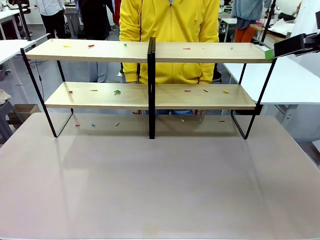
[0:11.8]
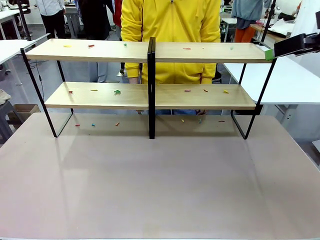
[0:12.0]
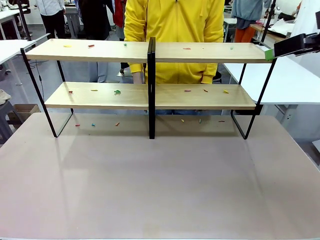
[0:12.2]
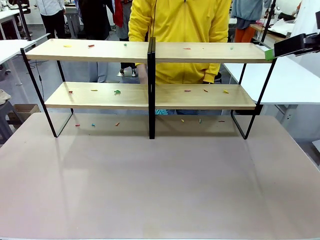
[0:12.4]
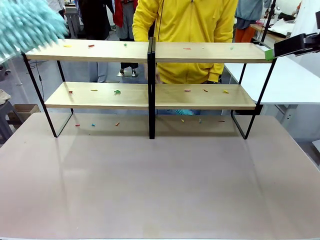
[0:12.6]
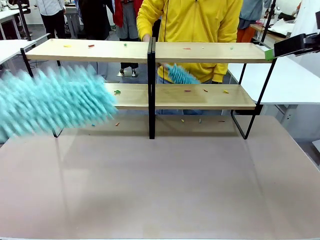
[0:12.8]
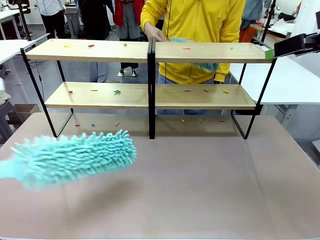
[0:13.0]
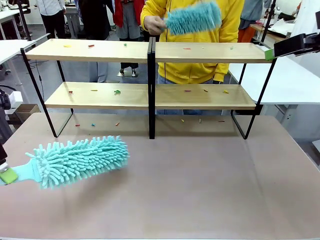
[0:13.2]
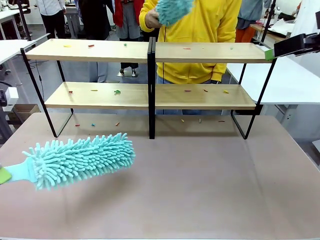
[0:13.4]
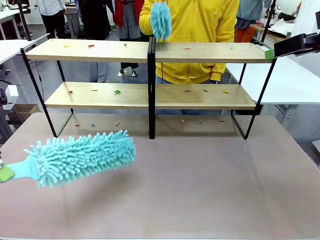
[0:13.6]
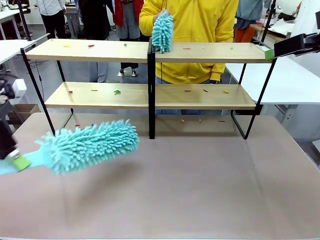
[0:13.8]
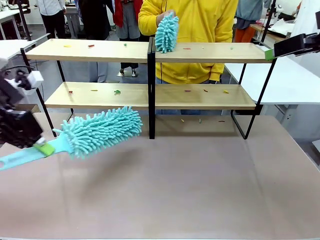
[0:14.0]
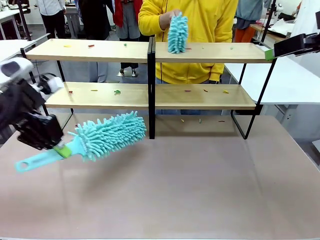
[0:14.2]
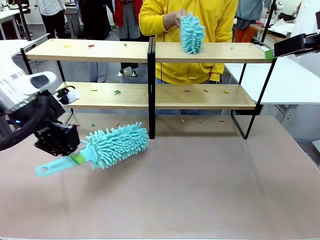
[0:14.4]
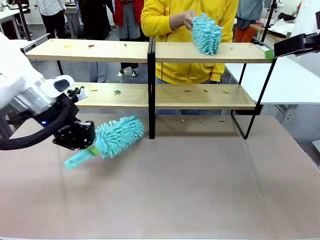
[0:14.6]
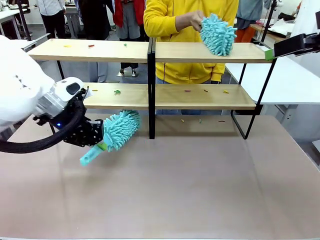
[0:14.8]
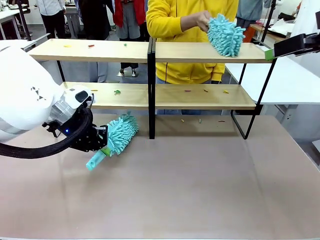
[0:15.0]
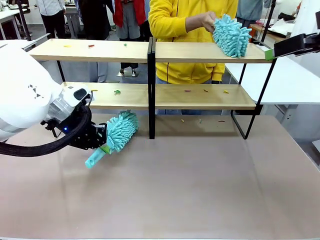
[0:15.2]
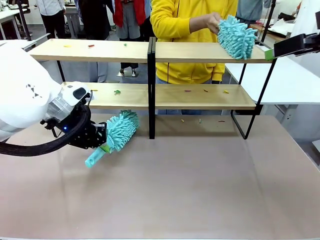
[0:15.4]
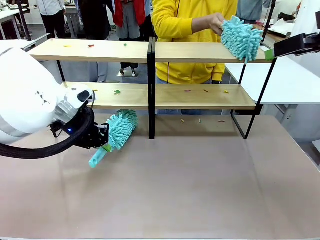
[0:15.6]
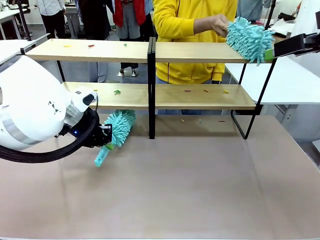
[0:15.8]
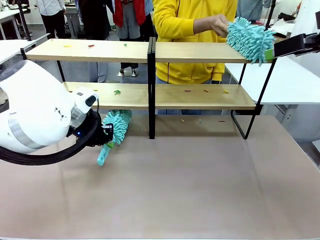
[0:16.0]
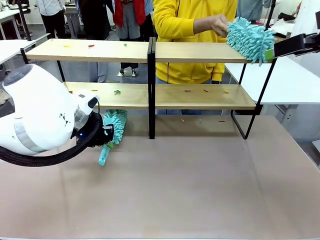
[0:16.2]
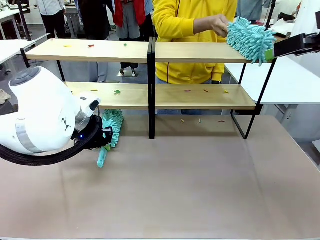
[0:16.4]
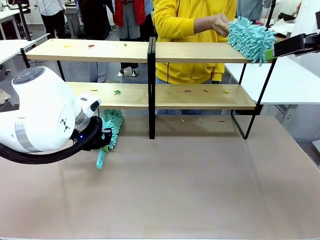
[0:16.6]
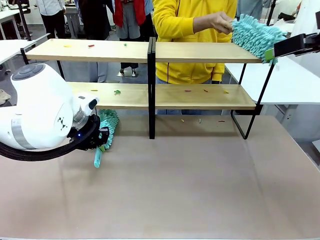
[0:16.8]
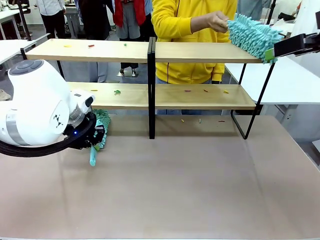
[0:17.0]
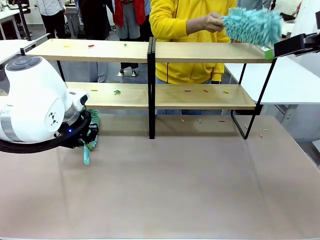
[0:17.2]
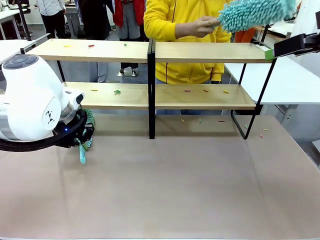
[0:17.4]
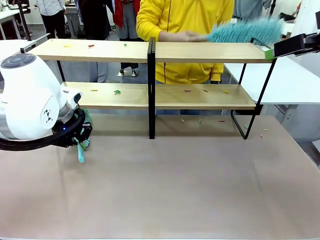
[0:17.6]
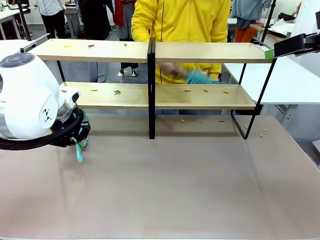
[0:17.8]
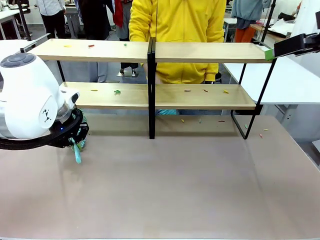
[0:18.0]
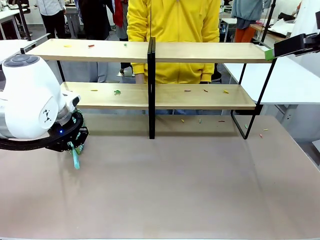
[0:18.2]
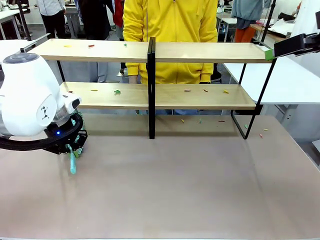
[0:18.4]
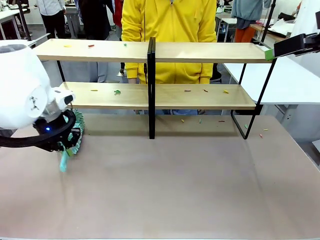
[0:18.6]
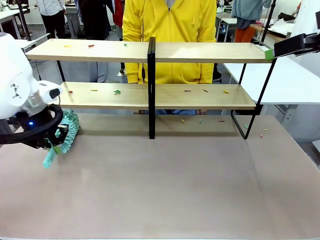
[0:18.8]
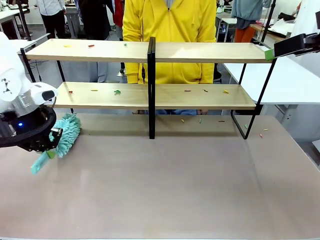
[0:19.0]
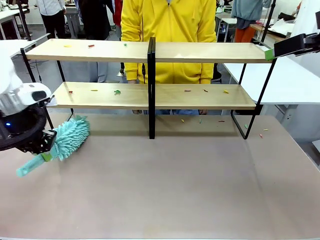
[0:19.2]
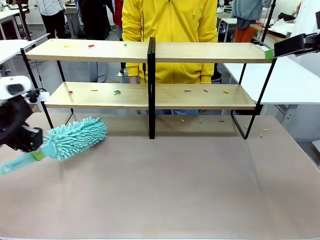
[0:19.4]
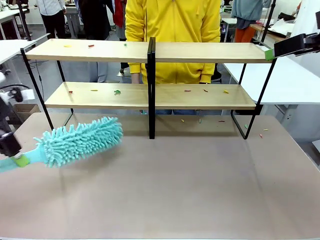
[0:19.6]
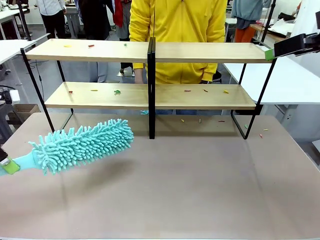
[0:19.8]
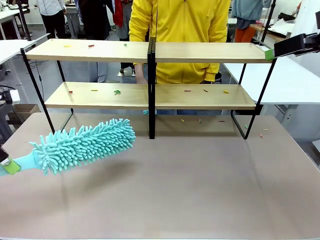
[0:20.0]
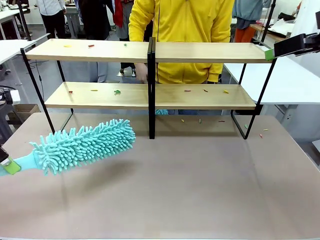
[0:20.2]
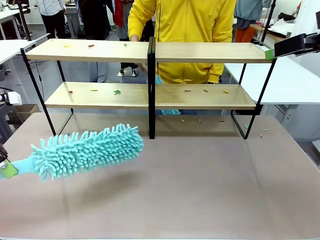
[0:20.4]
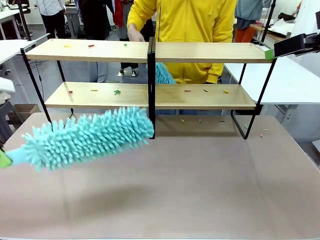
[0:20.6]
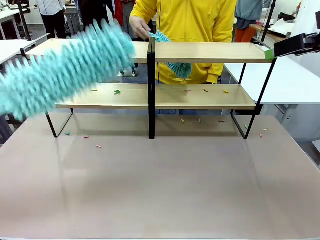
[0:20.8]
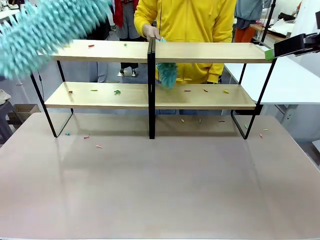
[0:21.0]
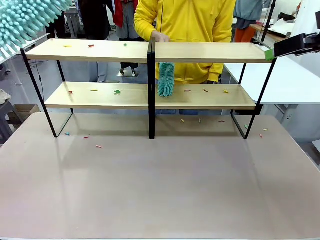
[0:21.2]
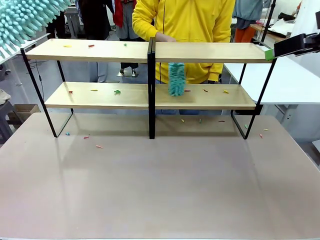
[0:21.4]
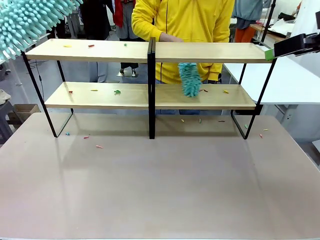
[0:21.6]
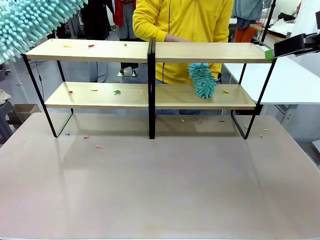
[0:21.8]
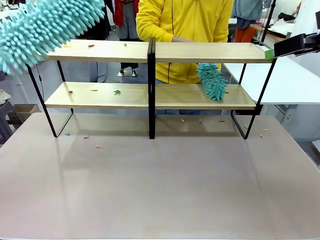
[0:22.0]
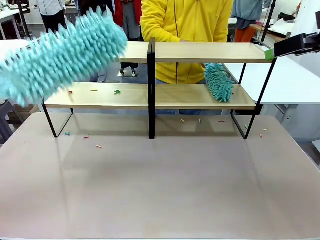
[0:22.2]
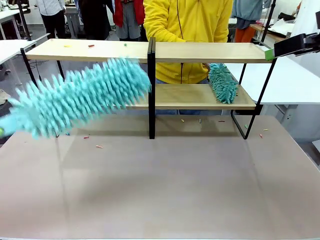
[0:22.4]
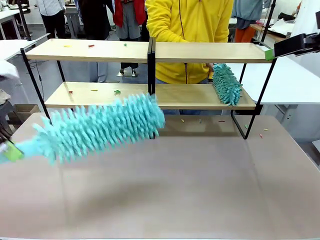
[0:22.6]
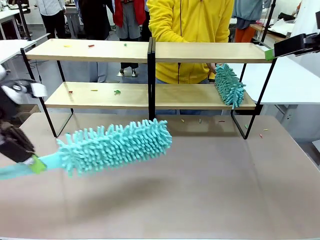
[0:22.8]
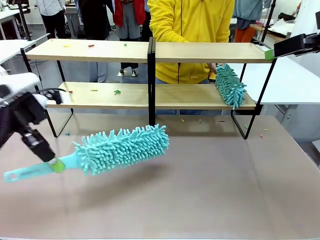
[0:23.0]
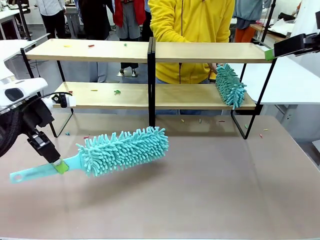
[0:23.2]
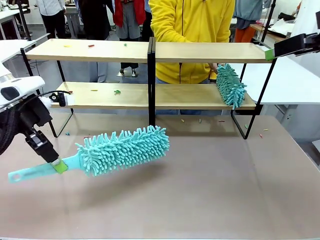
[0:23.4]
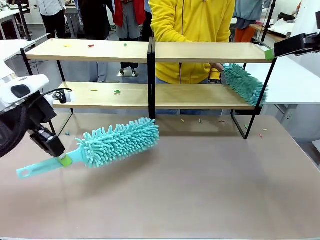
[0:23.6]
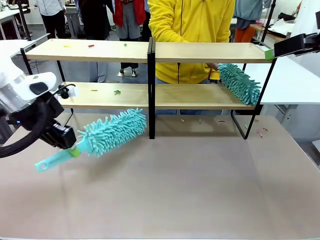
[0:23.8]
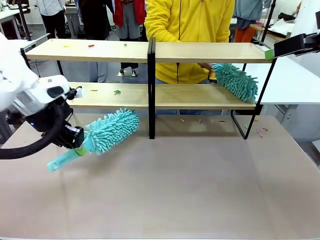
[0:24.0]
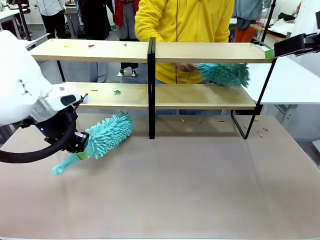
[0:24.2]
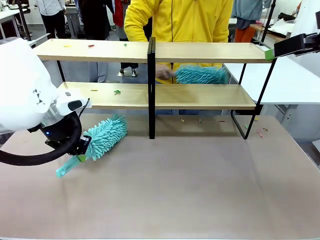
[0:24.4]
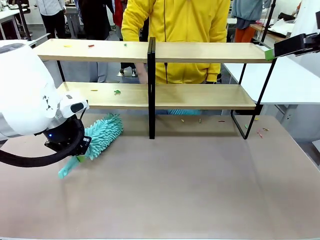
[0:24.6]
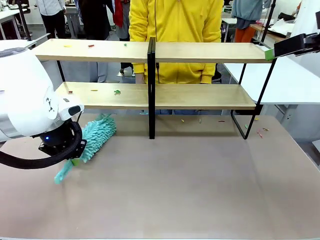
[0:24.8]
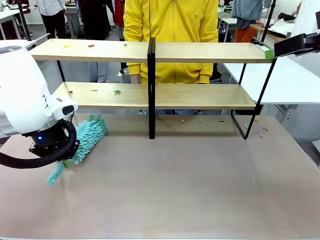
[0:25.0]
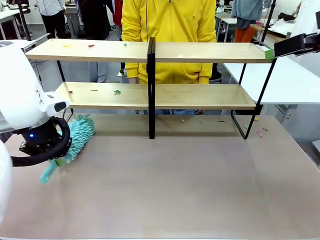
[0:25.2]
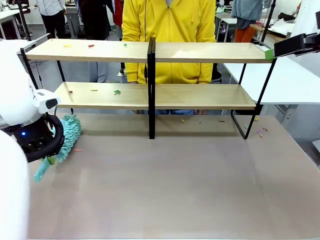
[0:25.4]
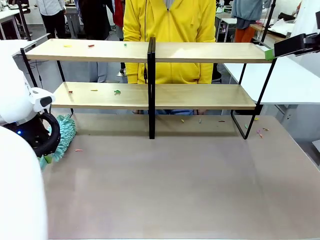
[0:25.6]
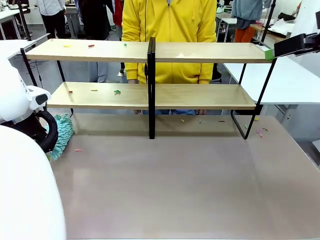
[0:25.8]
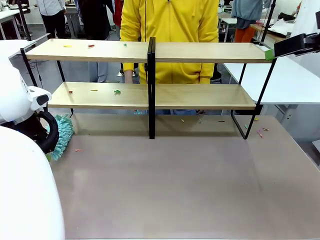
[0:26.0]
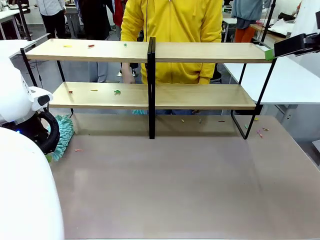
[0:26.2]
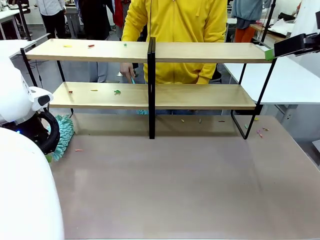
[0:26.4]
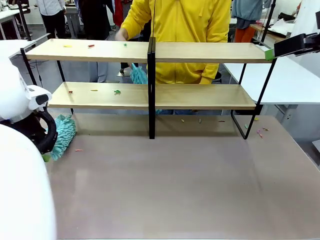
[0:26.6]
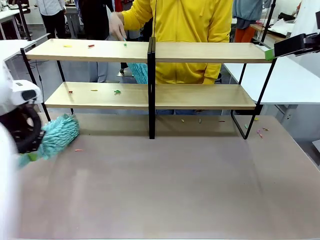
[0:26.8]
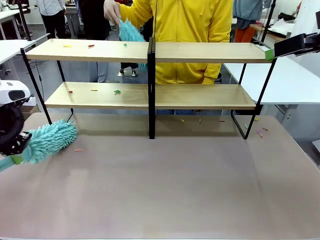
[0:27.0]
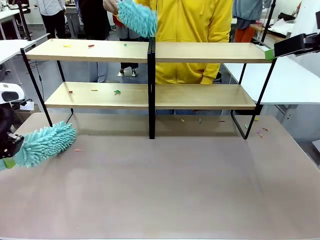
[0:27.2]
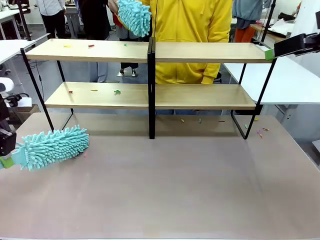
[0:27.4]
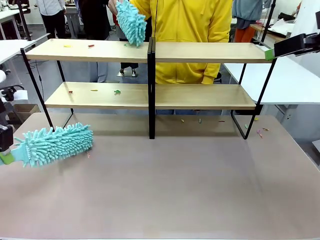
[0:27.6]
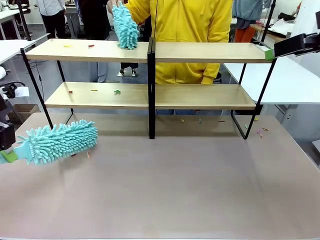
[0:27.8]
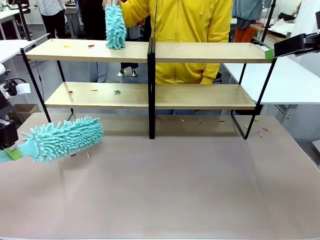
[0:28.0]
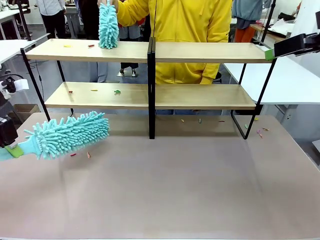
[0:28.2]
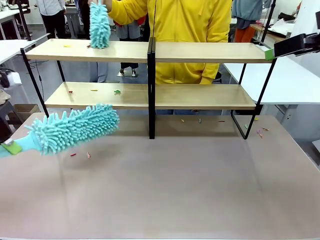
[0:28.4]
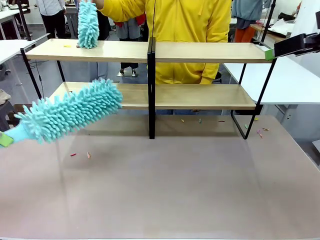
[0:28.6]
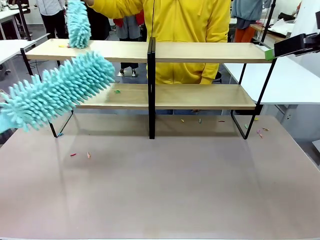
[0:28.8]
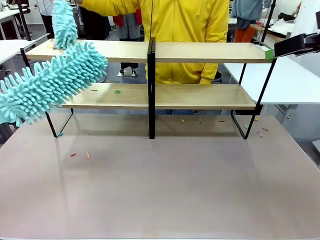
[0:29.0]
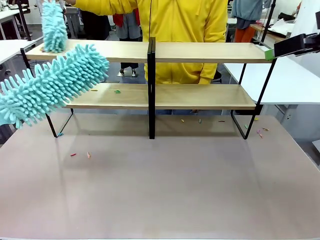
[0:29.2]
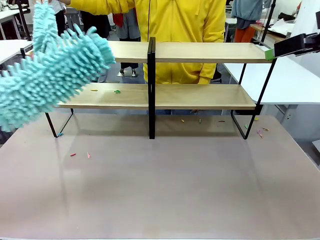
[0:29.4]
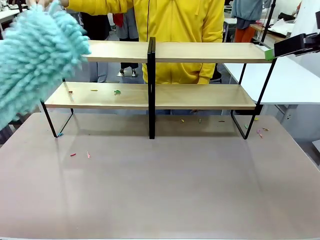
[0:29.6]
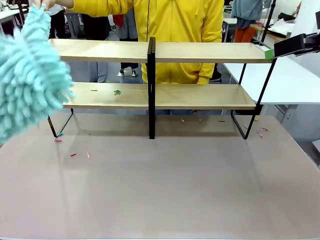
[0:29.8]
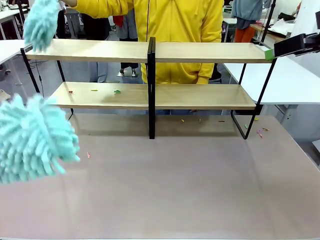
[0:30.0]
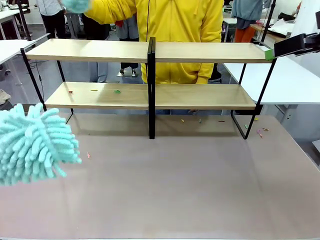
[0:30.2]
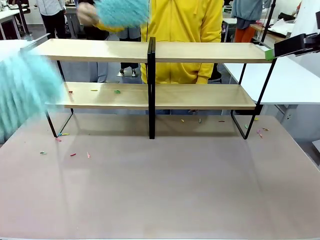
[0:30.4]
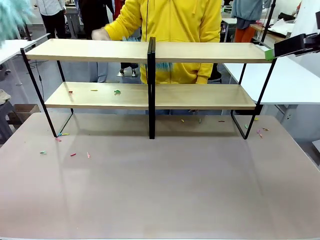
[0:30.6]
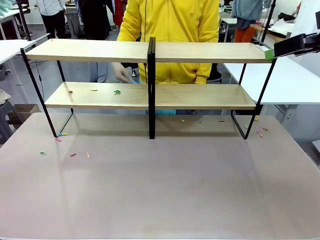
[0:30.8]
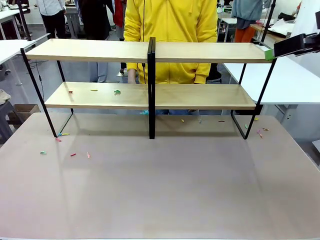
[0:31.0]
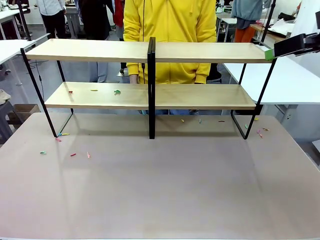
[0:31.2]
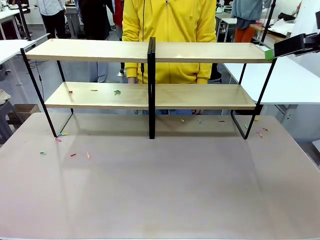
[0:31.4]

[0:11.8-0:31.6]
Task: Clean the shelves.
Robot: Clean a randomly selected level of the Shelf with the Duster.
